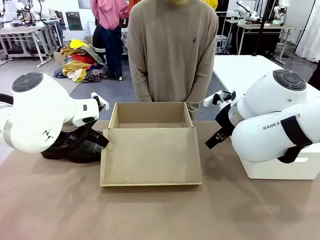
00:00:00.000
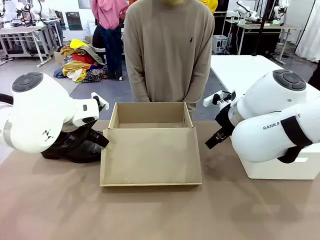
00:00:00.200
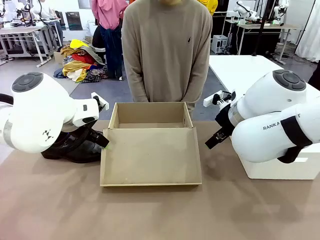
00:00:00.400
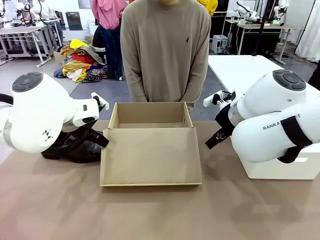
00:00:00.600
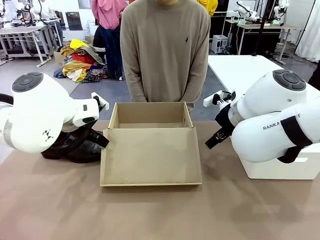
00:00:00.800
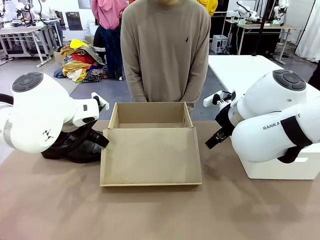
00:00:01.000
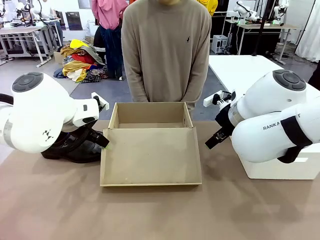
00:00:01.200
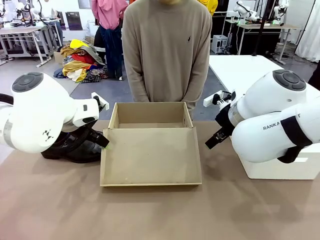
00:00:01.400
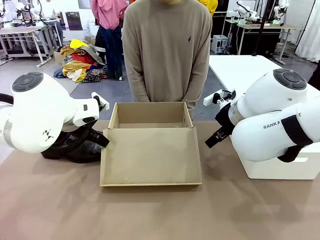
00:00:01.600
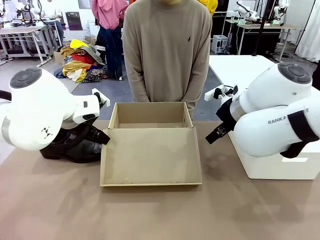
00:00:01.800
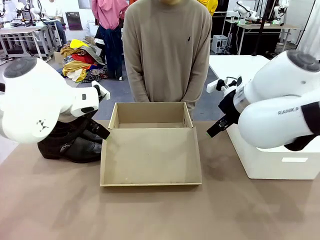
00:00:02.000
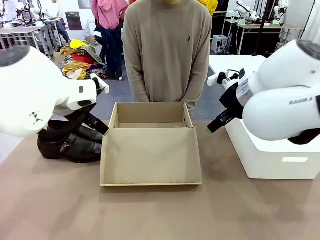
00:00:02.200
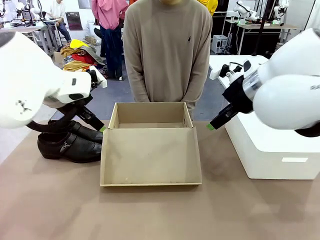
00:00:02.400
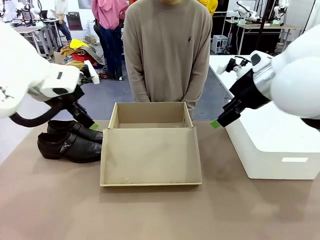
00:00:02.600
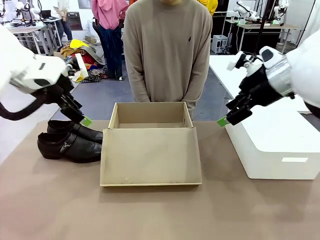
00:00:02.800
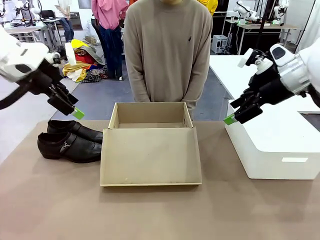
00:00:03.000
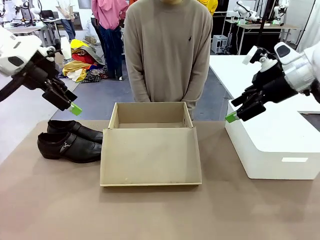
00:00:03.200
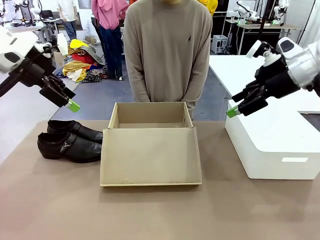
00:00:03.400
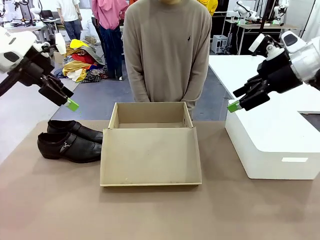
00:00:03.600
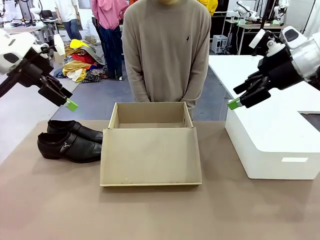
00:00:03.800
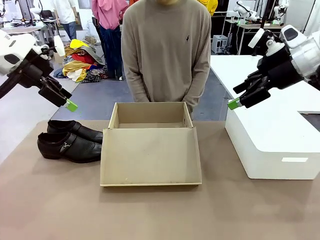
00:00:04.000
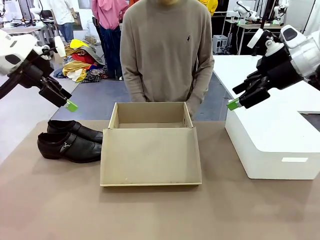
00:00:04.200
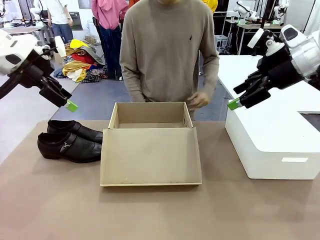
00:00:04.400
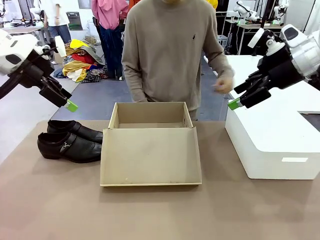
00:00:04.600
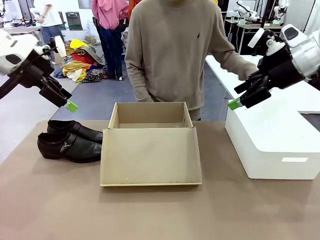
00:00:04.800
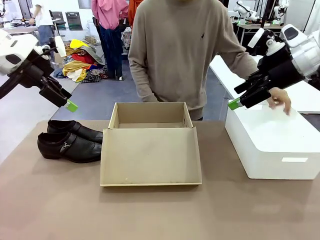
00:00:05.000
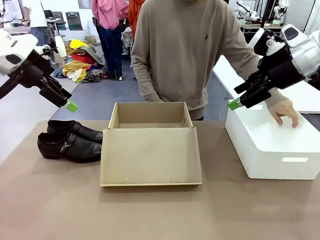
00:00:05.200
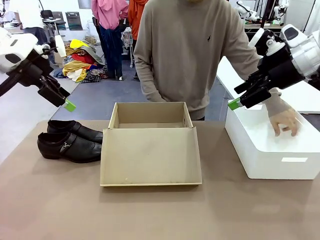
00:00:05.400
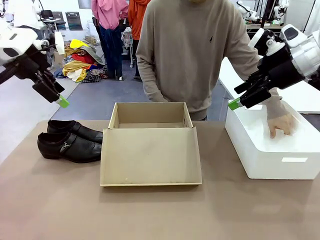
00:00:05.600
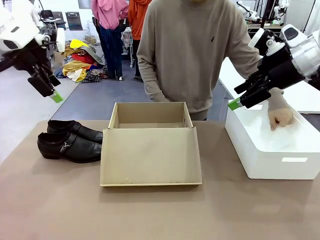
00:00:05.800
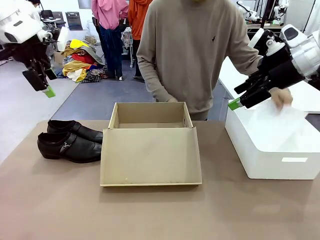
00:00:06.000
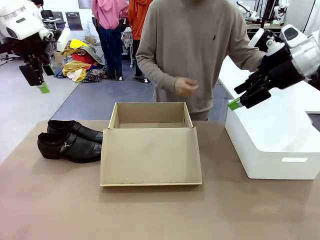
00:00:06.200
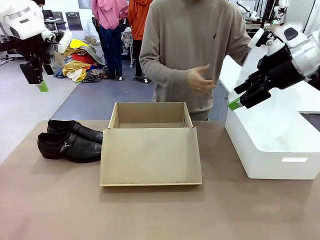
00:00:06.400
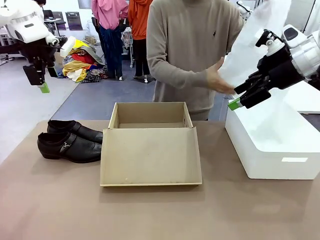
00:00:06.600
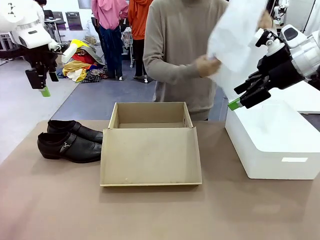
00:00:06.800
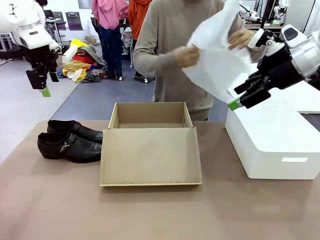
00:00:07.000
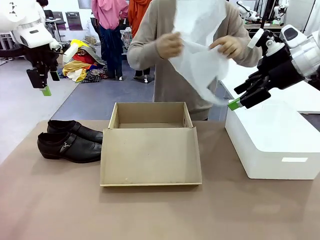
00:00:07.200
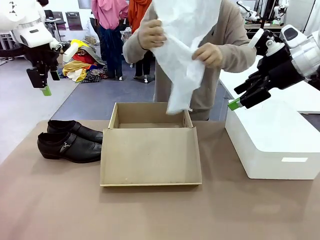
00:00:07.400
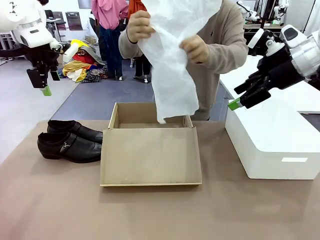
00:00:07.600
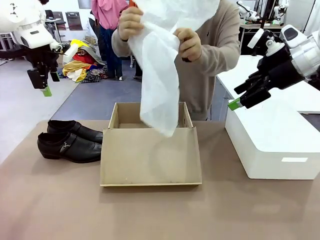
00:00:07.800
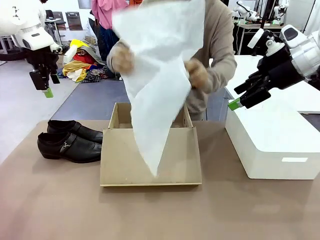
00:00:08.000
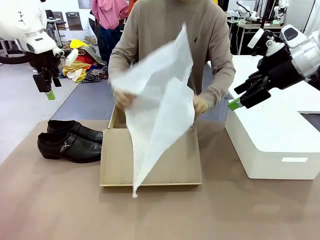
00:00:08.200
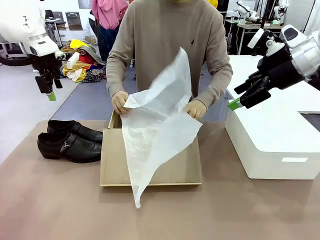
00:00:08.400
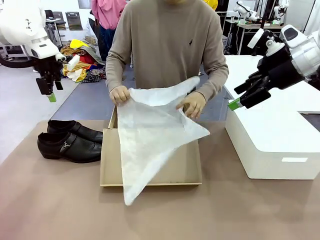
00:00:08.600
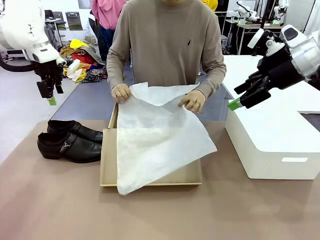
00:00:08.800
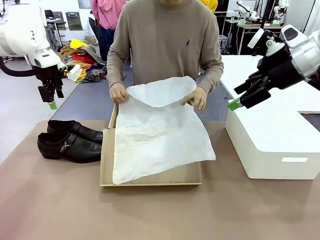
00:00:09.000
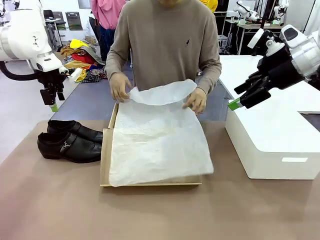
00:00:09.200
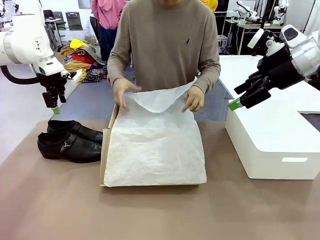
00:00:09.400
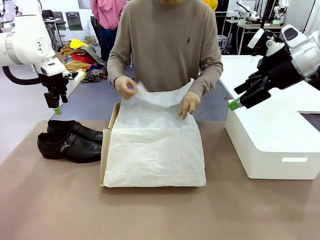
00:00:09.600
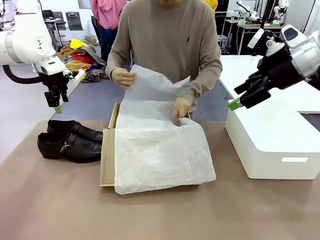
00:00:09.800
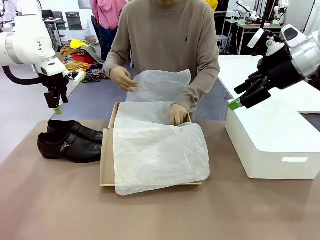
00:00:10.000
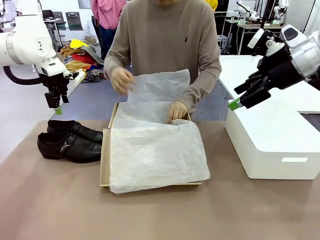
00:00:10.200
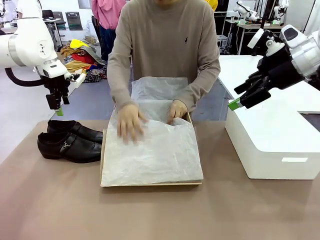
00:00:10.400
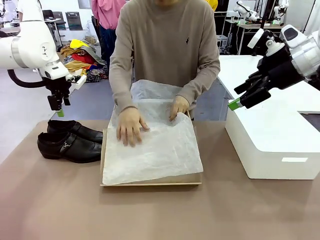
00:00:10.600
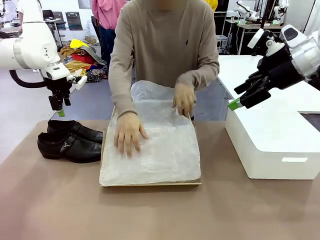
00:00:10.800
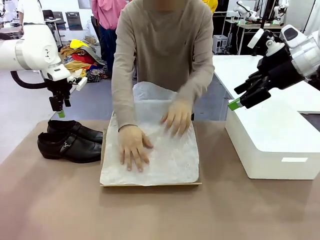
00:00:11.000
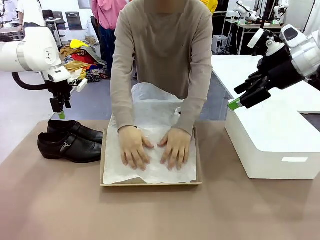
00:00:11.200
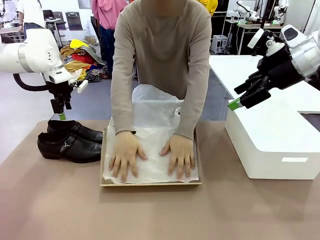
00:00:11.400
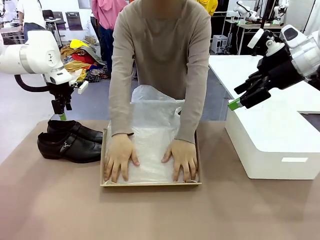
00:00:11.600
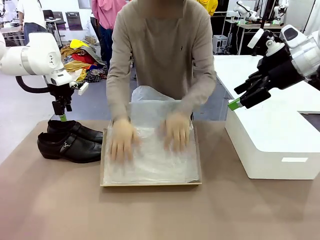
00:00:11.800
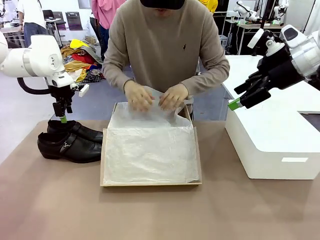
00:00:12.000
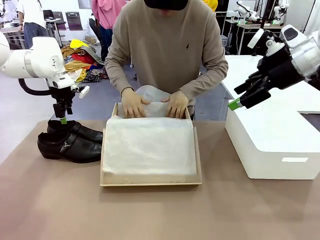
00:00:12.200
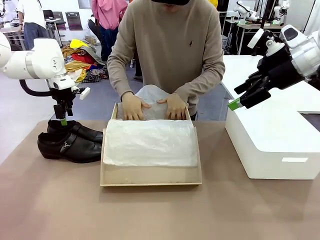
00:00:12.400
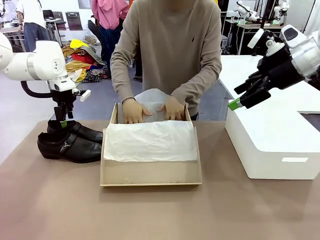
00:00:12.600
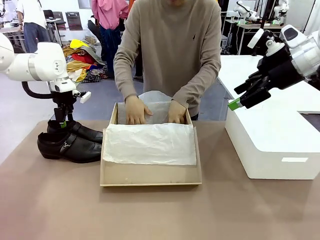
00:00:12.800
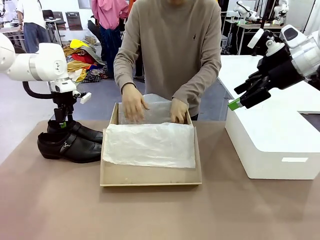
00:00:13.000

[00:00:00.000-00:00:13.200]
Task: Pack the shoes into the box.
Robot: Place one shoe of the Shoes into the Shoes Box.
Person: Spread Shoes Wrapping Paper and place inside the Shoes Box.

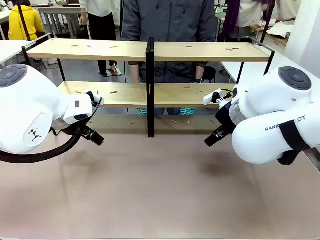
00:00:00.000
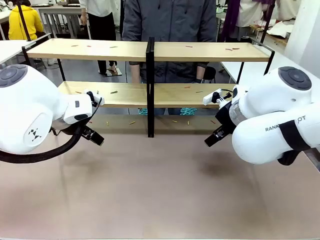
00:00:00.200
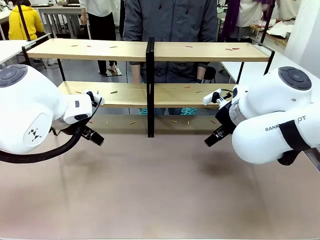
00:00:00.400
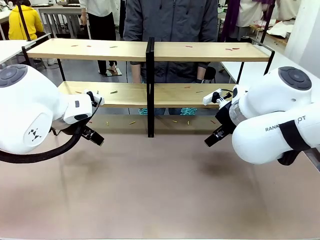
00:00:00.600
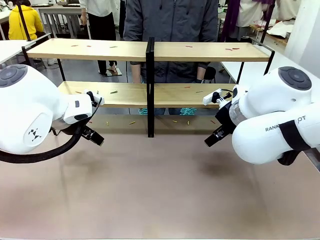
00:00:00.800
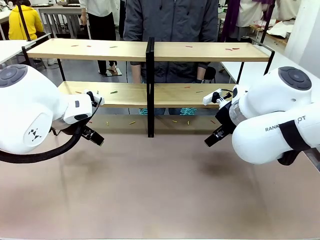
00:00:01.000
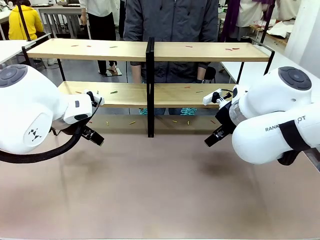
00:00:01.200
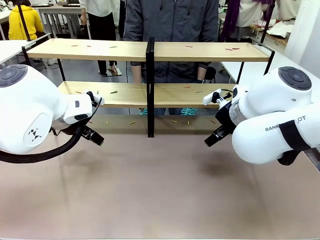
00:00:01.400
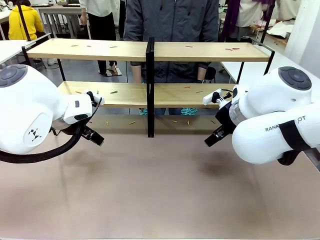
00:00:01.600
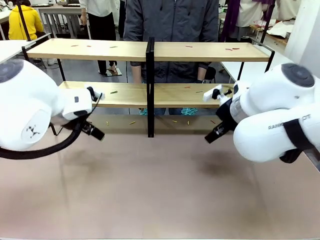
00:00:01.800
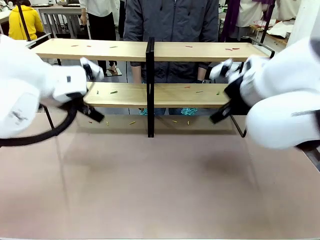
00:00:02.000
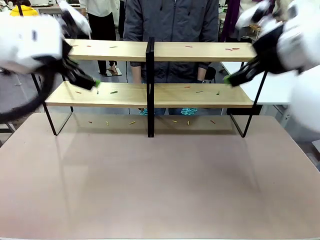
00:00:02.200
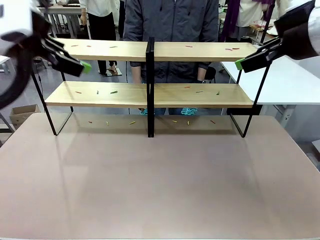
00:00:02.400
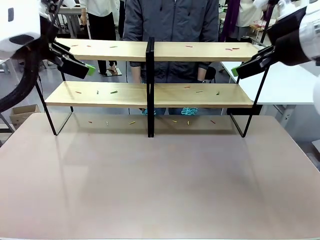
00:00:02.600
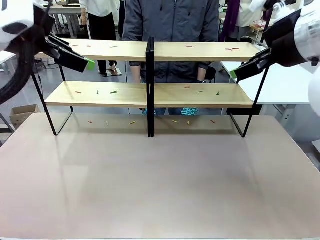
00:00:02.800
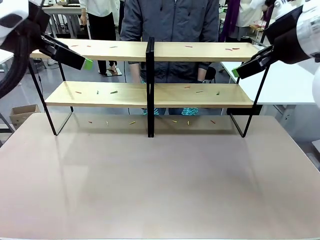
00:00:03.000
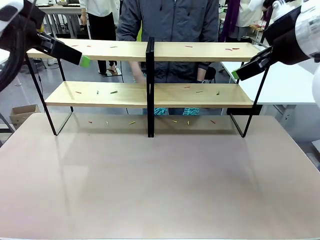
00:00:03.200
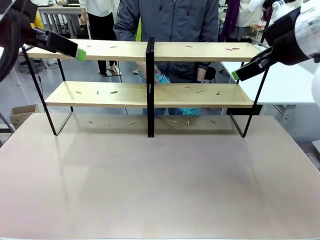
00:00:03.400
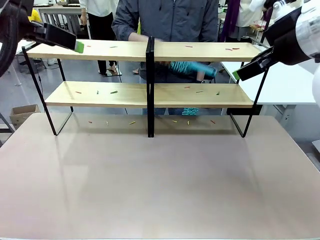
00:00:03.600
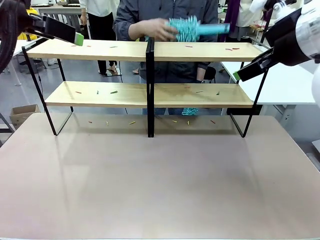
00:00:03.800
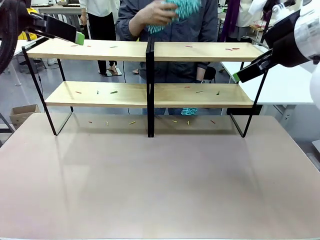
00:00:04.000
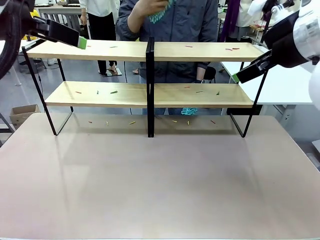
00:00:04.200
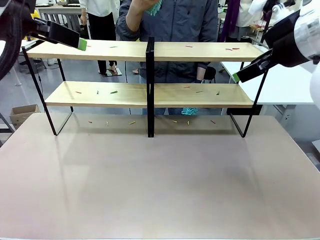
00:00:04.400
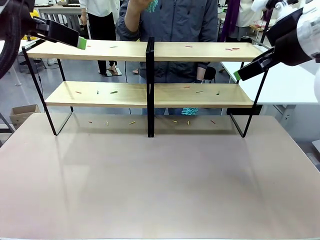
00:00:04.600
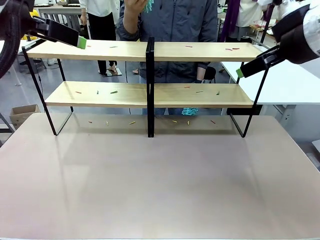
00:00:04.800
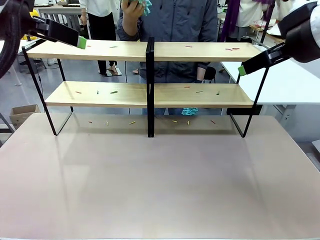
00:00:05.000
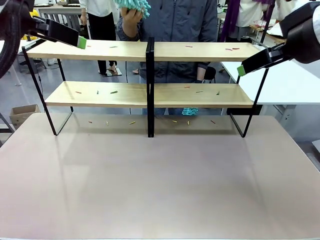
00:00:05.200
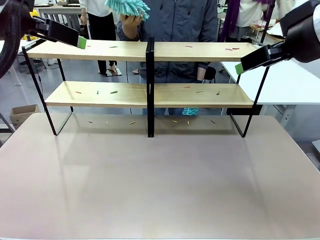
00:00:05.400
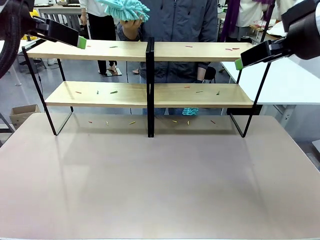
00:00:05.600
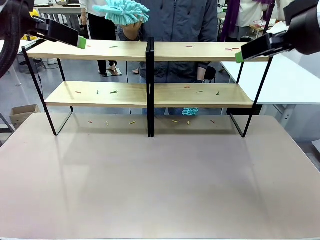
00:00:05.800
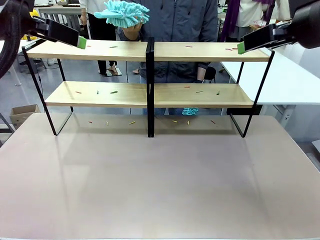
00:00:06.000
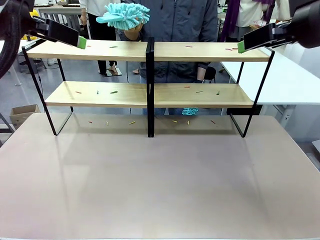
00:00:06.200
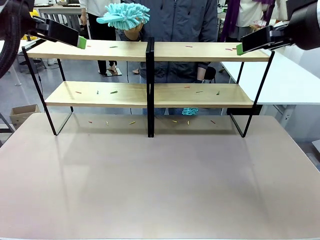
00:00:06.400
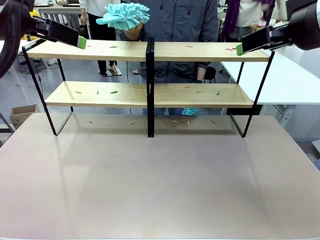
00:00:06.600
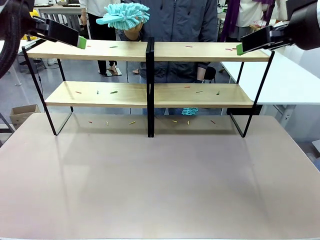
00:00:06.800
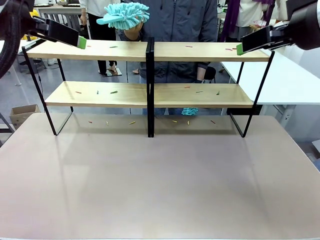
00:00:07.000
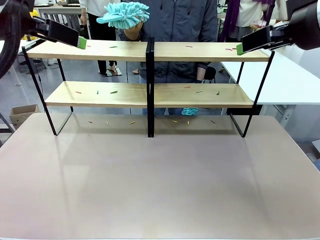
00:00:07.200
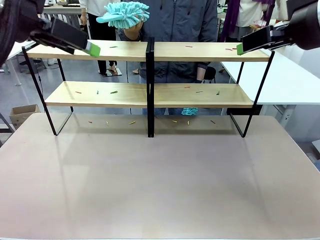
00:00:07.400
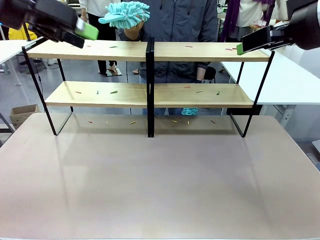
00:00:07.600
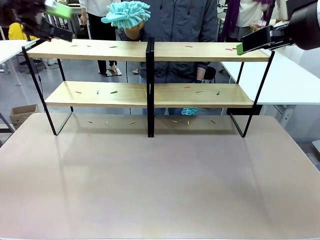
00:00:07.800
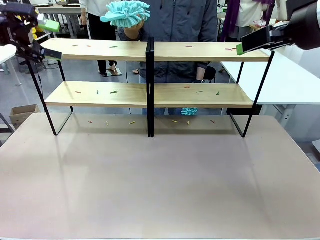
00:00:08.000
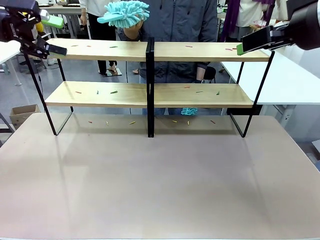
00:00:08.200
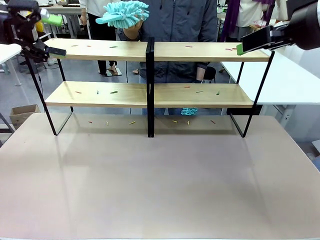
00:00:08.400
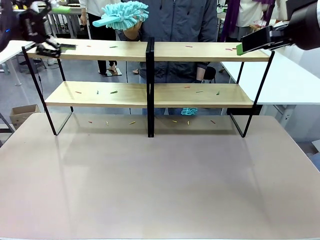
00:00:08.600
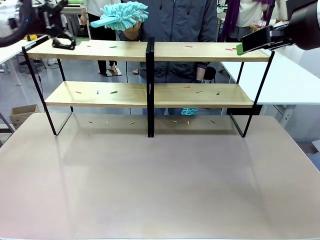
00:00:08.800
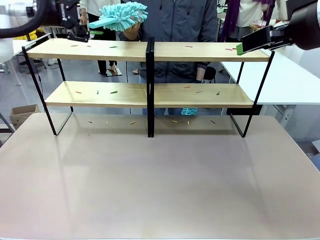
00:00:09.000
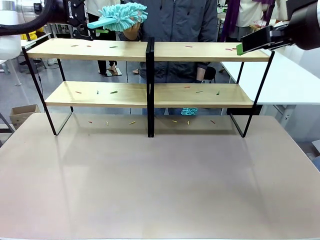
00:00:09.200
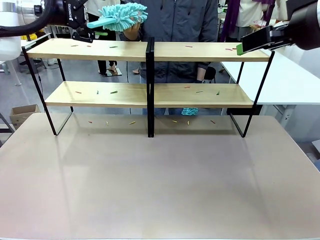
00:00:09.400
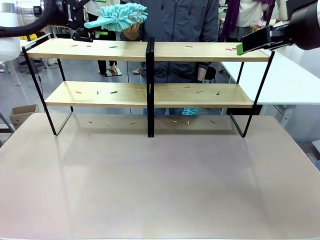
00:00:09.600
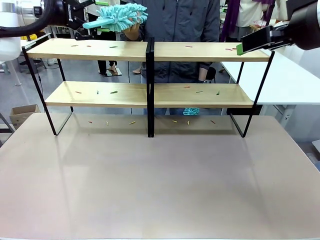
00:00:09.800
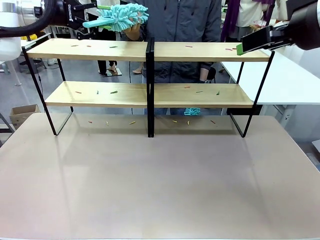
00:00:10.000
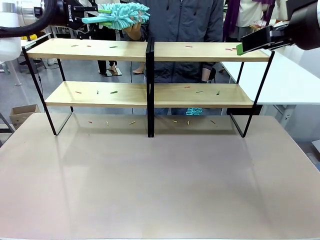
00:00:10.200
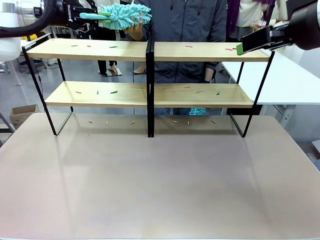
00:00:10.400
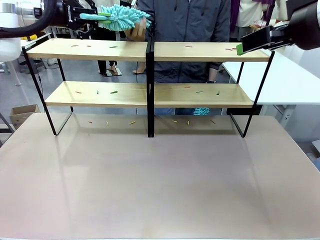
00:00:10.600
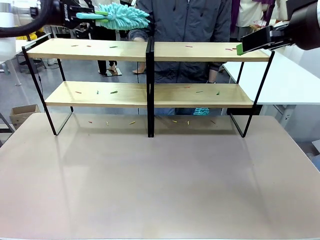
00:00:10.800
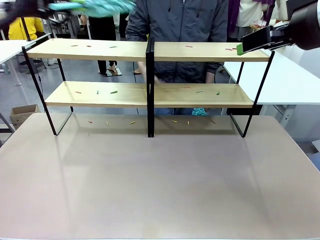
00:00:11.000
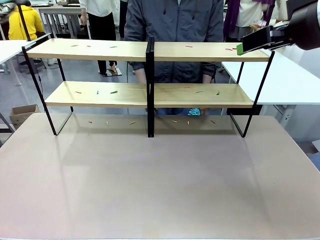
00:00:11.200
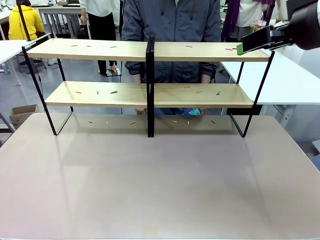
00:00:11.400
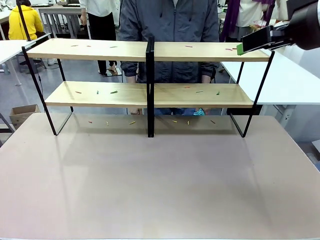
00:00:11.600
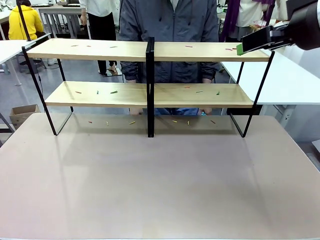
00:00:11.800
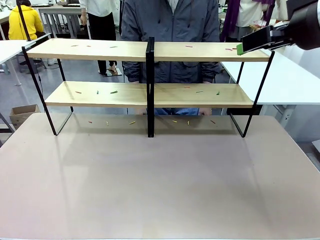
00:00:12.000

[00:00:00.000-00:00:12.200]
Task: Clean the shelves.
Robot: Pick up the Duster when the human hands it over.
Person: Hand the Duster to the robot with your right (or left) hand.
